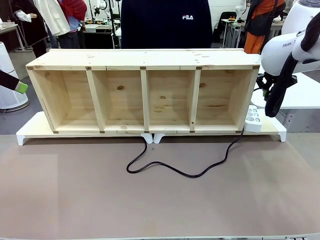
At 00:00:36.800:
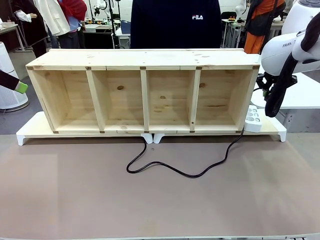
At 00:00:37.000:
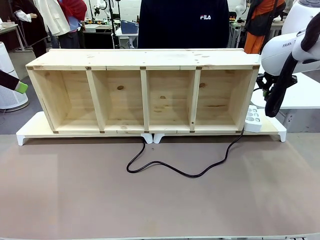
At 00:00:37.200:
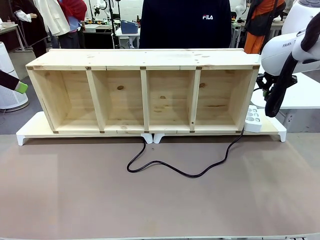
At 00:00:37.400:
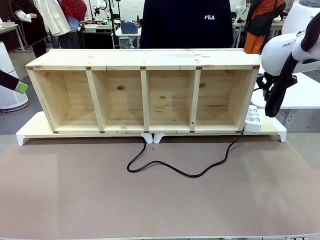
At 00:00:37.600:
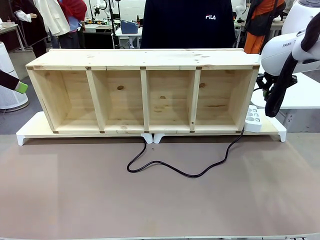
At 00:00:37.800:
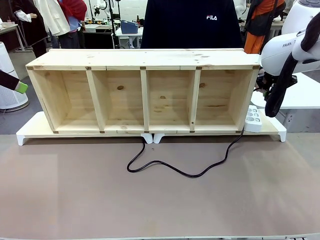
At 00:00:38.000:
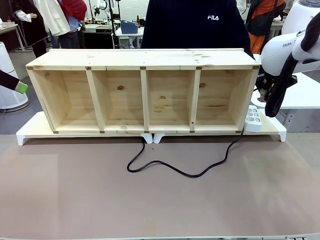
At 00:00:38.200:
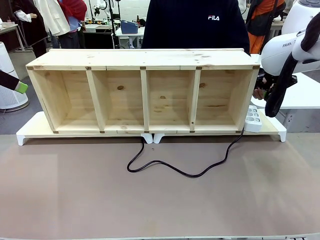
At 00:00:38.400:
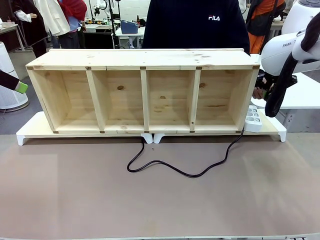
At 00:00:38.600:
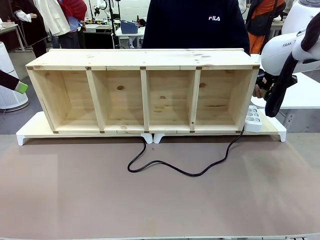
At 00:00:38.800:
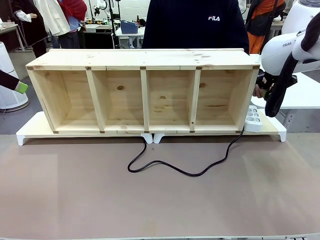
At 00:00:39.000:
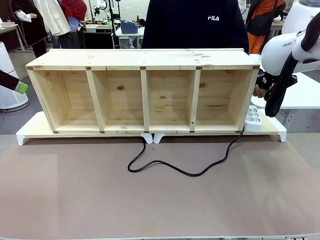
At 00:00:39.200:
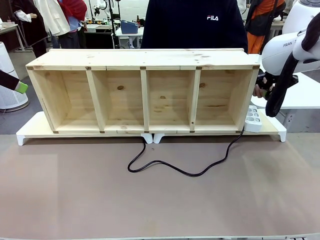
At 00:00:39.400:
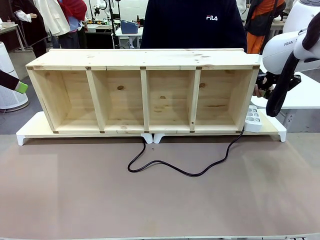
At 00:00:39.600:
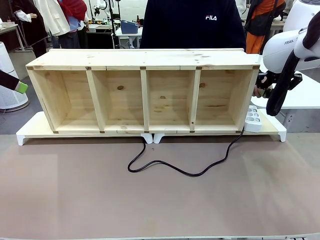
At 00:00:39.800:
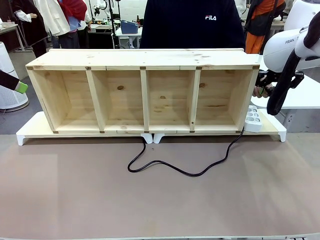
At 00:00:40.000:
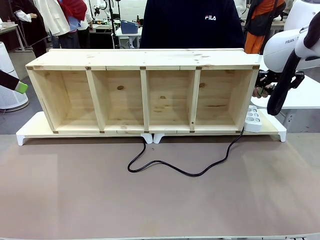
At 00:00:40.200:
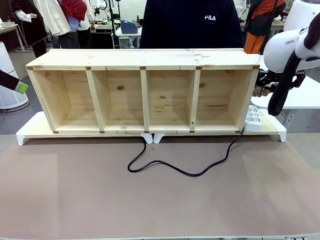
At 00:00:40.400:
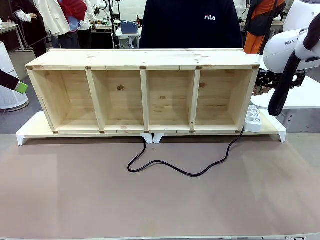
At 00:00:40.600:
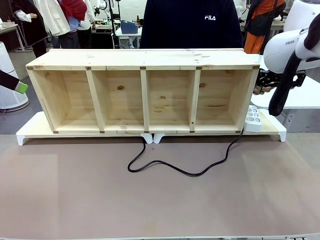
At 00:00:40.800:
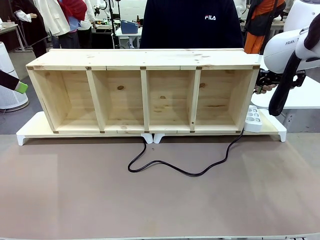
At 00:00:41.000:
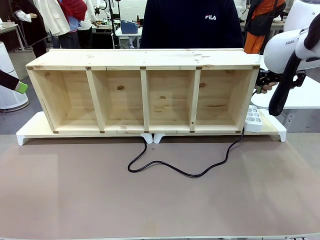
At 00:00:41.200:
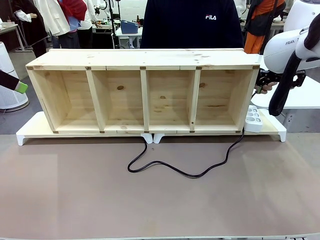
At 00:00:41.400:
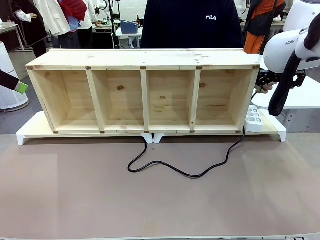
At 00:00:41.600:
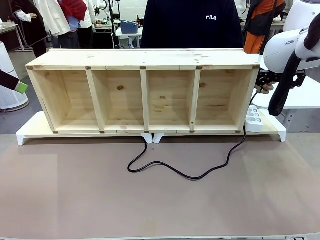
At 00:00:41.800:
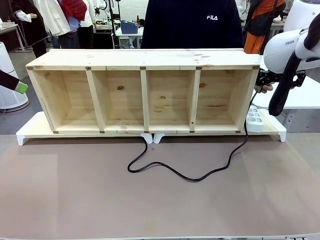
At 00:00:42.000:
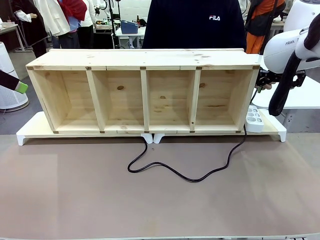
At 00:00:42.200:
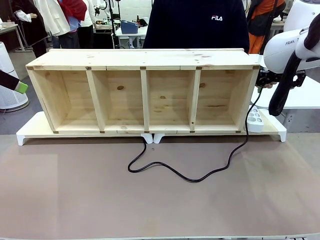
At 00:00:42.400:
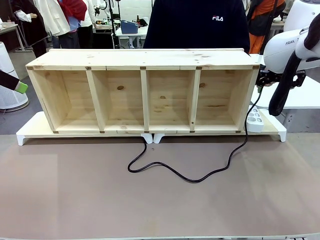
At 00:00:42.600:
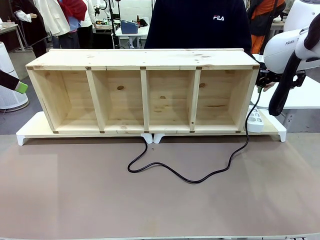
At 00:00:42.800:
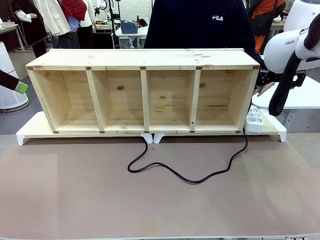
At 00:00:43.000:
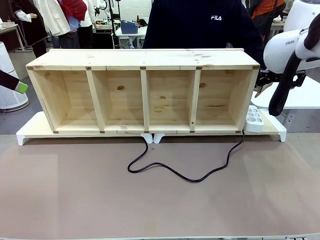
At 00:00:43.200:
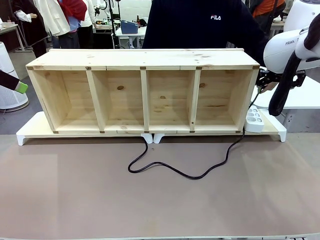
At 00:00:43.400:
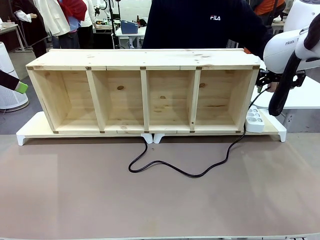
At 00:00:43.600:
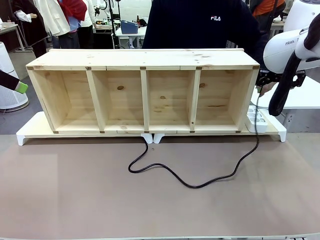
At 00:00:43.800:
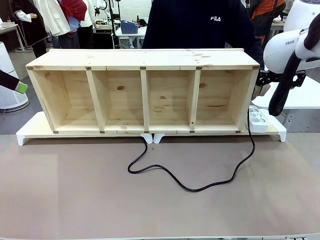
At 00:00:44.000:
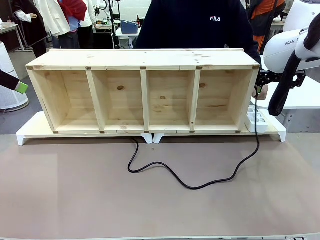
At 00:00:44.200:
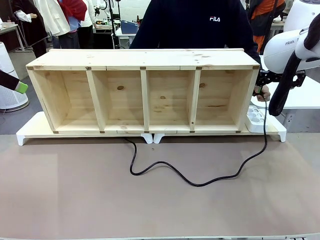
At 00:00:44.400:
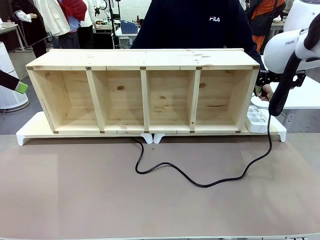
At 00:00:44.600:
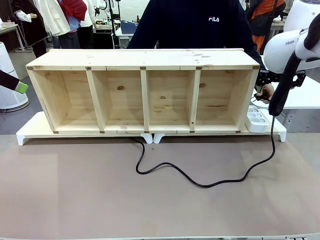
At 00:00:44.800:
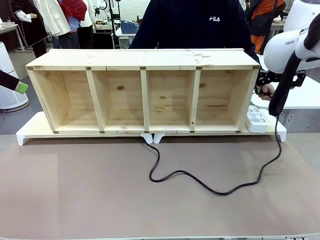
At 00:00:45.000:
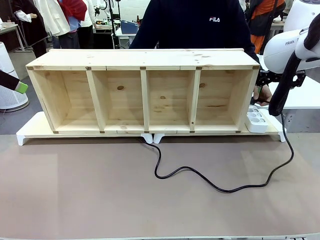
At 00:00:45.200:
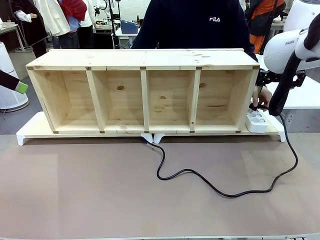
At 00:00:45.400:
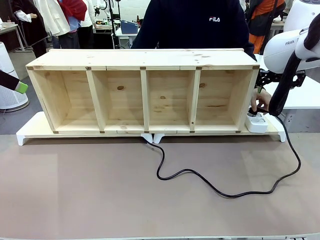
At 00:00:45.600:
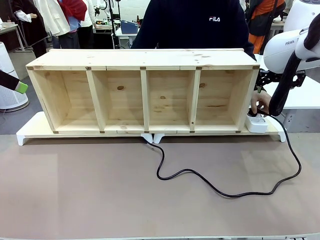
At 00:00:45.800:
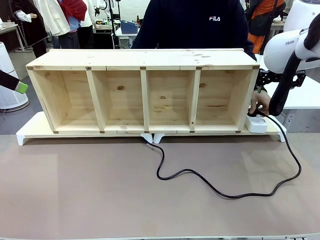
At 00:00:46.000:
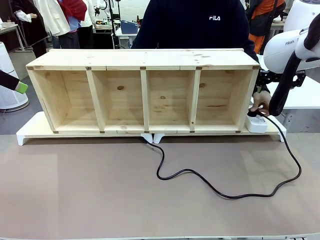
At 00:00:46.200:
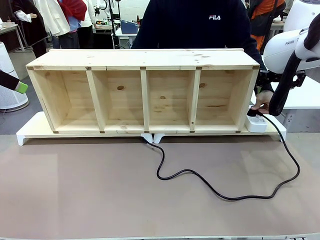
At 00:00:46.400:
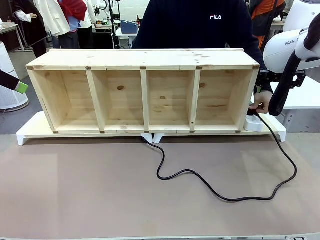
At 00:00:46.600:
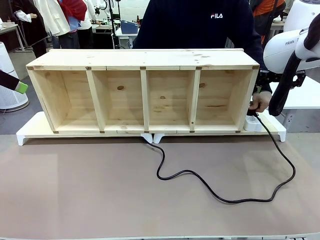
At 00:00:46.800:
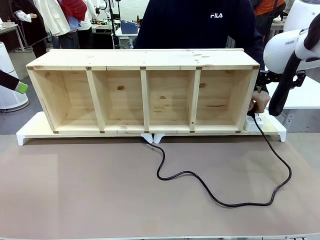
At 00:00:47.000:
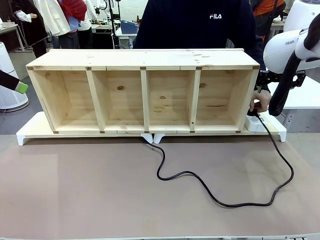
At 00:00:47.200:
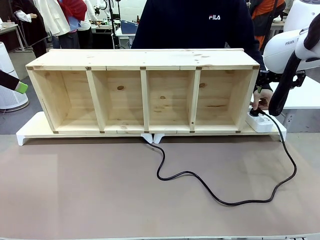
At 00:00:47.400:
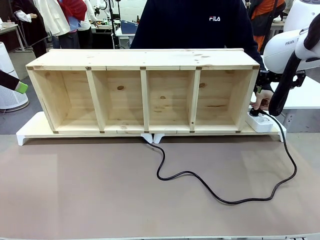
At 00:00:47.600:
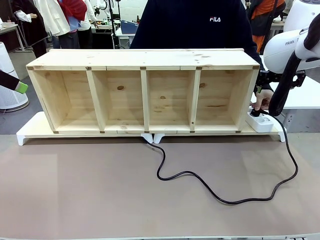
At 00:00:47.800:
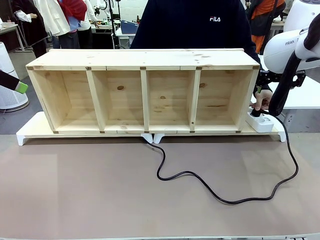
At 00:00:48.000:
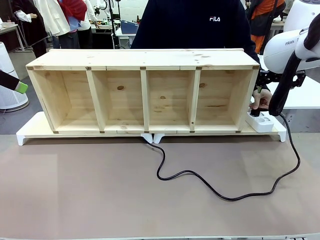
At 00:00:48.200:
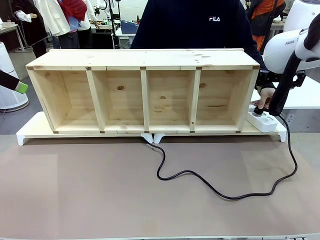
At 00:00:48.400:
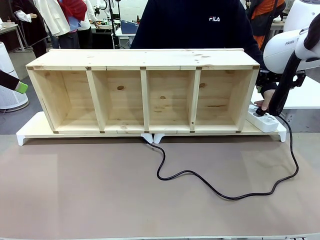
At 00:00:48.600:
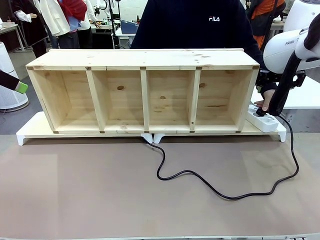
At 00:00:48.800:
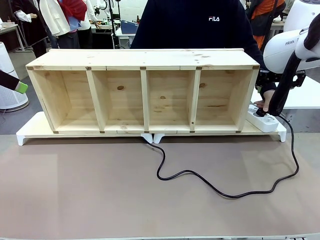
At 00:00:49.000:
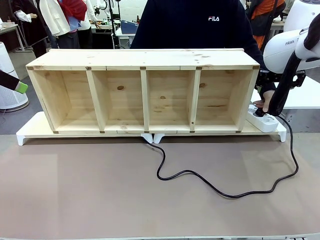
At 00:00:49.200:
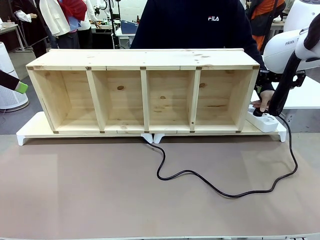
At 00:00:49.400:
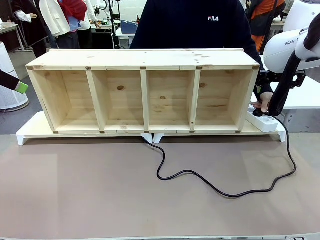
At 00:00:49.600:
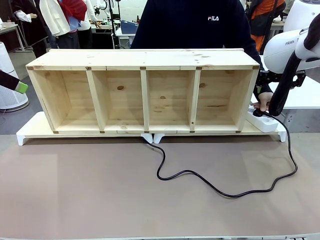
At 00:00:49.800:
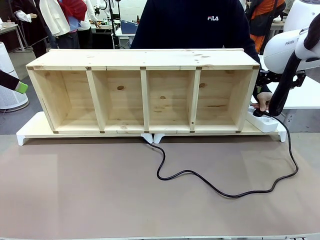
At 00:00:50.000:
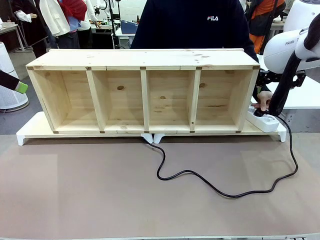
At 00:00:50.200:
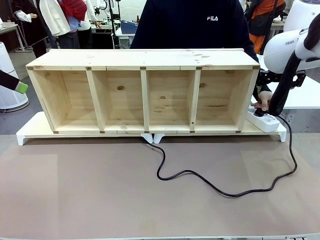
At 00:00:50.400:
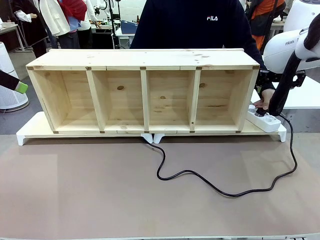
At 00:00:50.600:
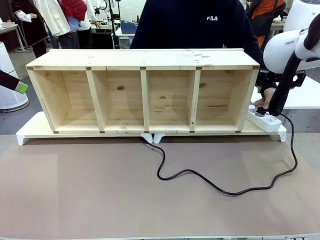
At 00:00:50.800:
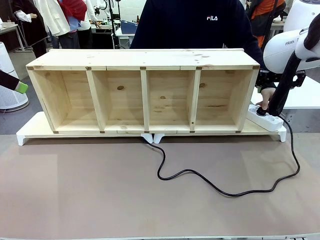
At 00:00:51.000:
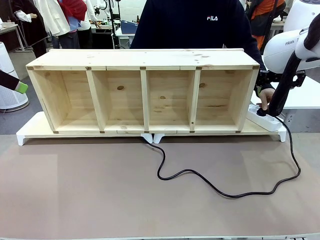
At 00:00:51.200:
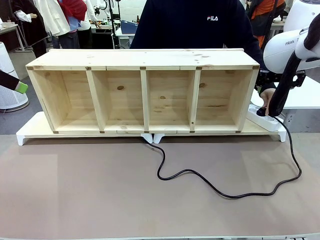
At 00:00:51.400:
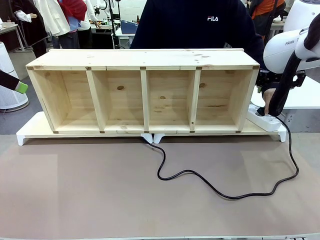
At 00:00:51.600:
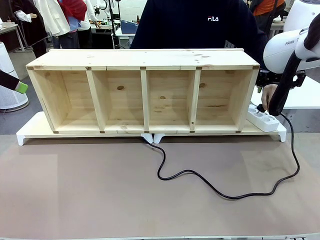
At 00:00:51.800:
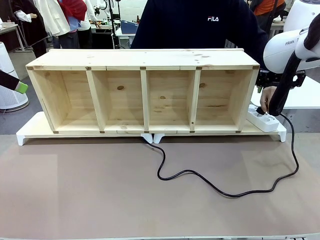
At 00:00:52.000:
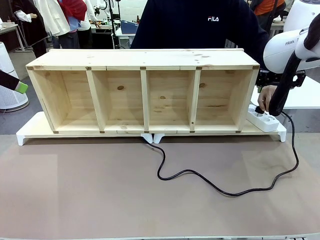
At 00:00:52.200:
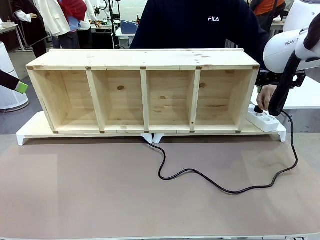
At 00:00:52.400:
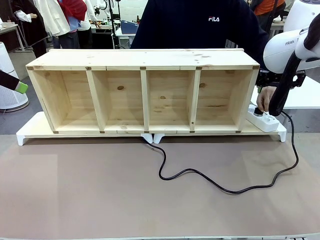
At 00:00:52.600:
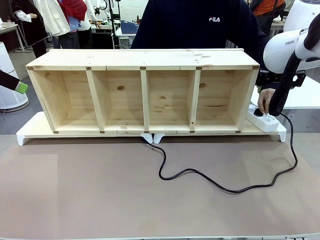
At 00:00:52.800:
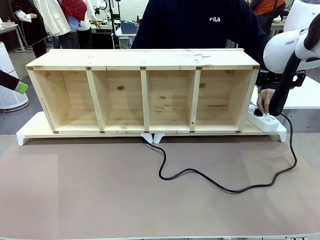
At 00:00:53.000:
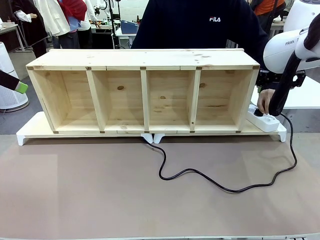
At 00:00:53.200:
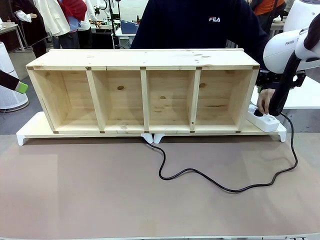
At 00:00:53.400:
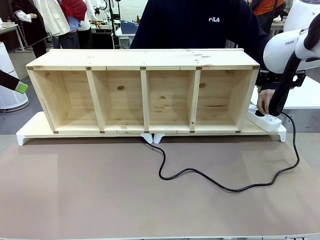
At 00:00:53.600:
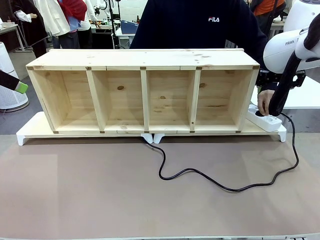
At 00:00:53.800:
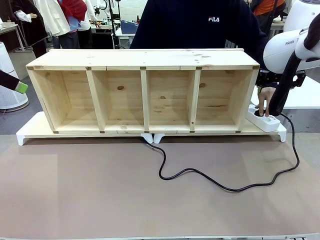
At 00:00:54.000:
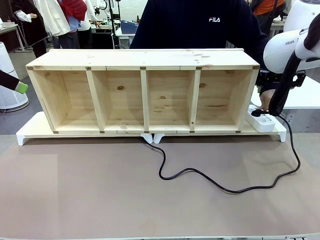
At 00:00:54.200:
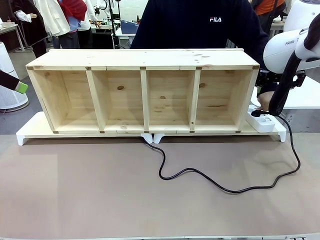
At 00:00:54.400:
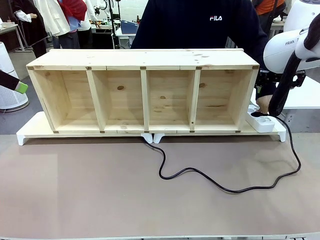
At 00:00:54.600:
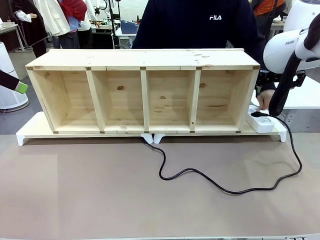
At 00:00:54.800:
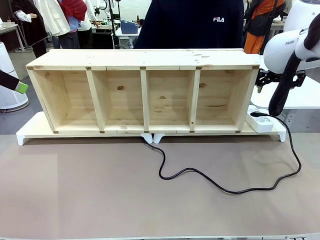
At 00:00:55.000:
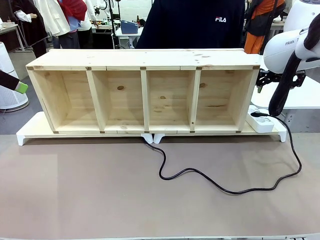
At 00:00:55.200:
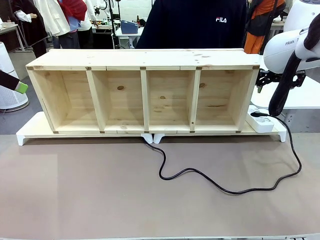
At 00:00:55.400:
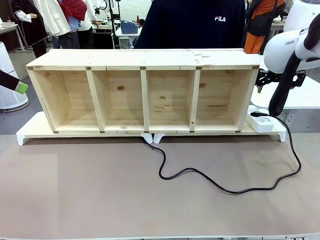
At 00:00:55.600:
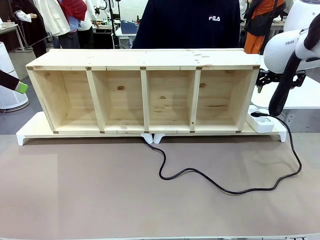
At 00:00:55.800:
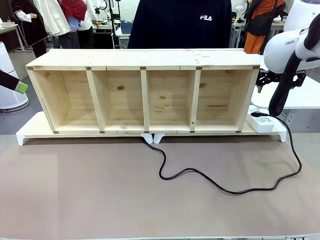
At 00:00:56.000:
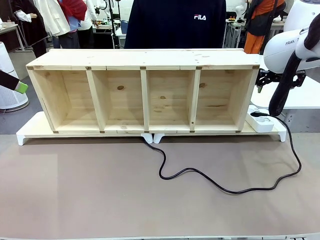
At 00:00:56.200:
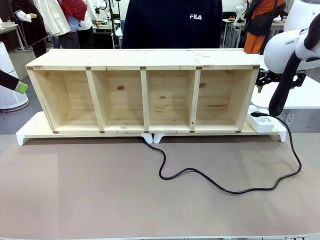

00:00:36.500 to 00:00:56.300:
Task: Perform cable management.
Robot: Release the Power Cable when the human grasps it.
Person: Plug the Power Cable into the Power Strip.
